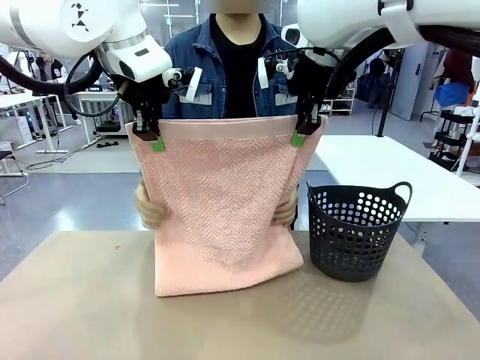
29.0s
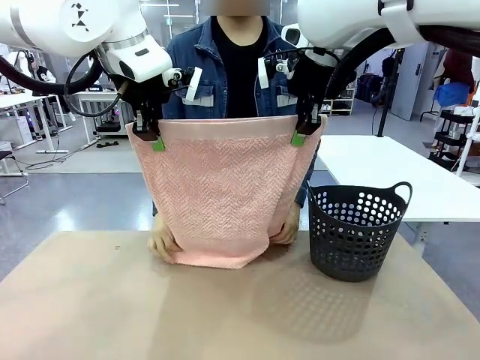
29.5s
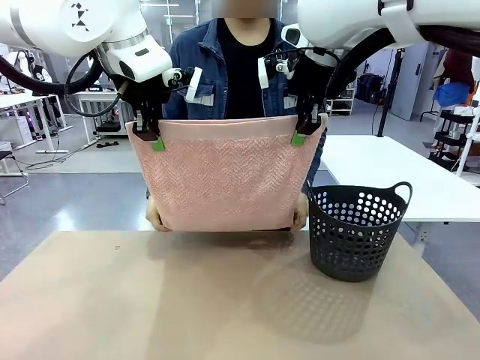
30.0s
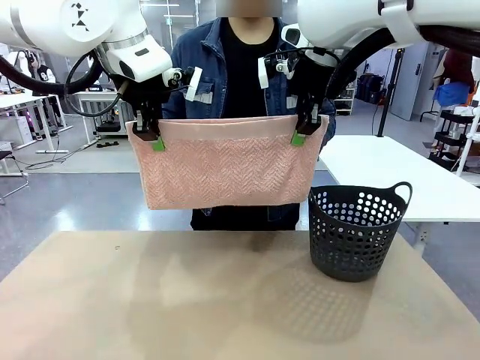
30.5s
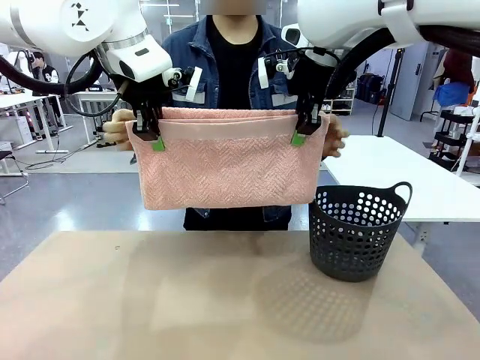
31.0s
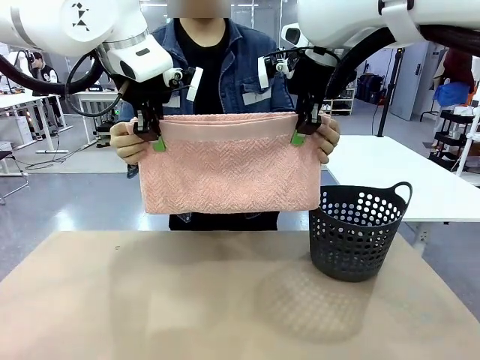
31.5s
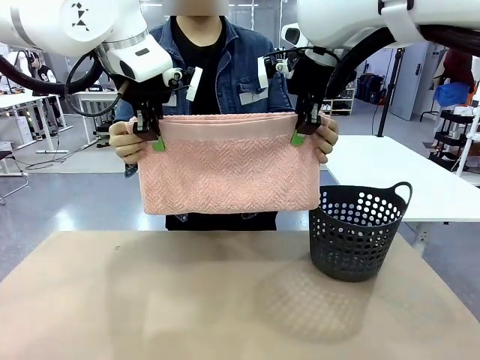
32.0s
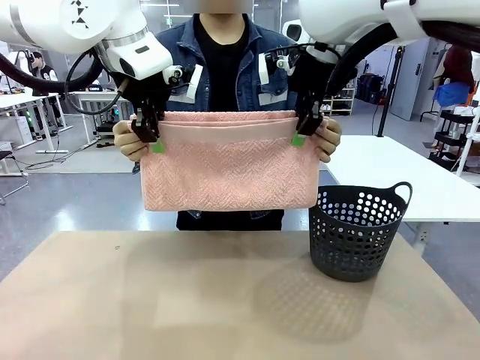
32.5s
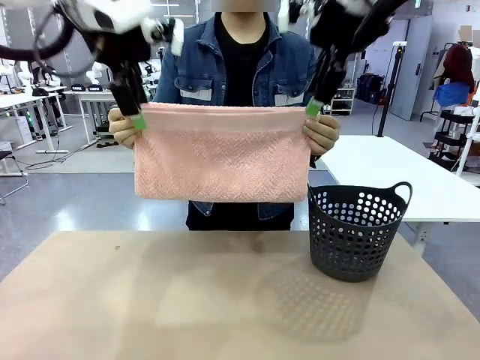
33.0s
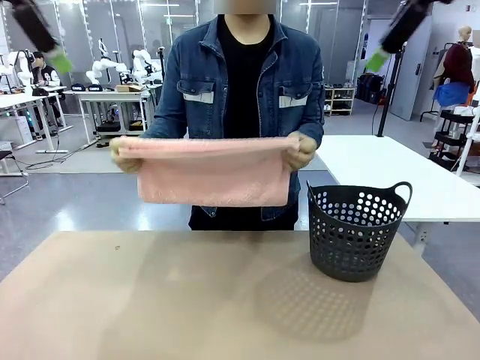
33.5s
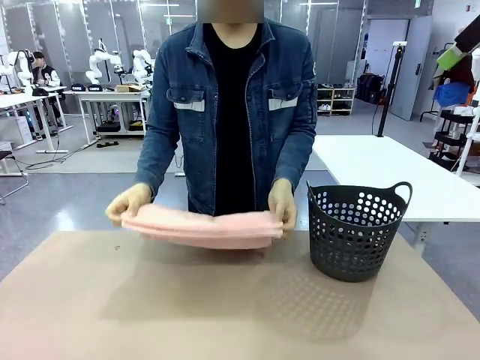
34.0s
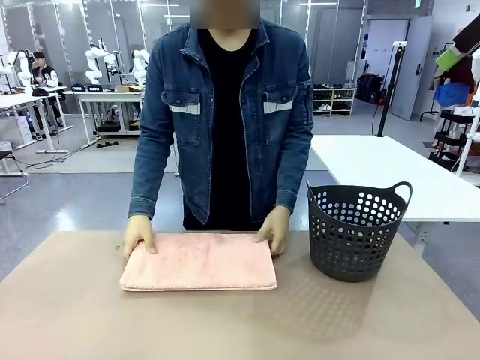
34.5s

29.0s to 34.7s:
Task: Fold the towel.
Robot: Release the end of the 100 cm Hotel Towel you were holding.
Person: Place the towel at the center of the robot table and fold it in half.

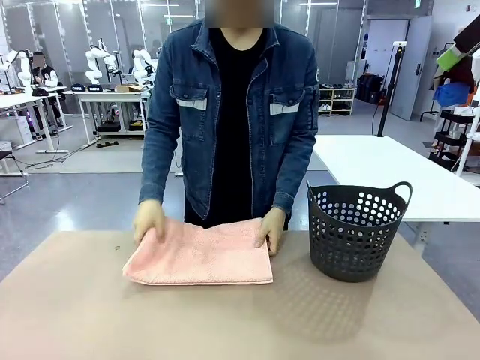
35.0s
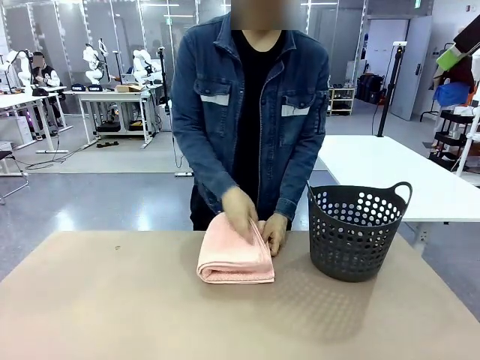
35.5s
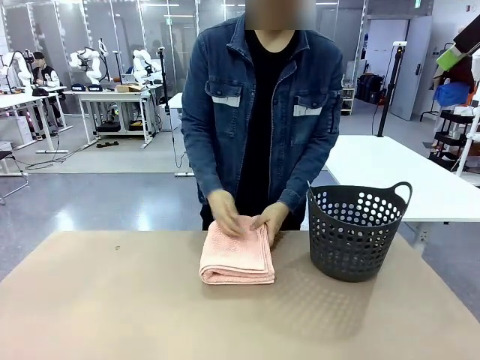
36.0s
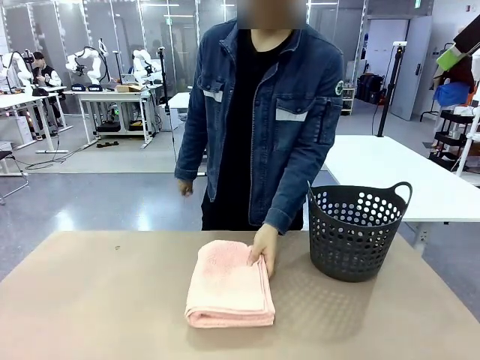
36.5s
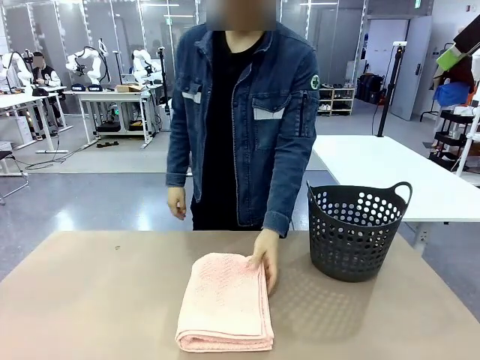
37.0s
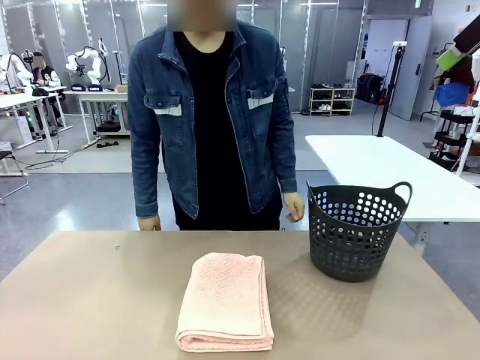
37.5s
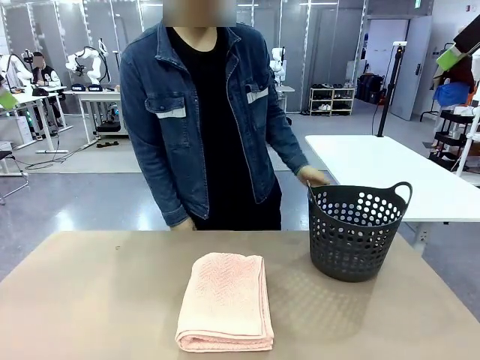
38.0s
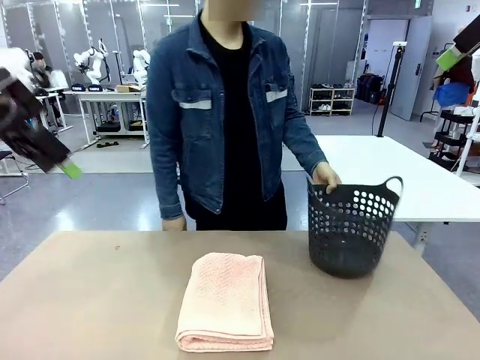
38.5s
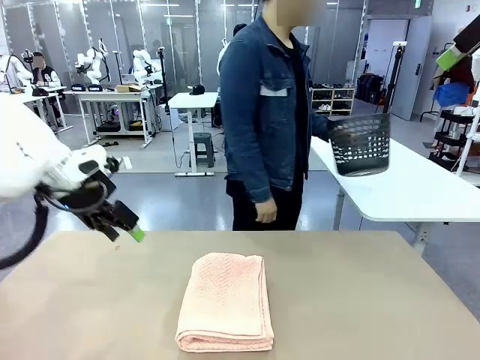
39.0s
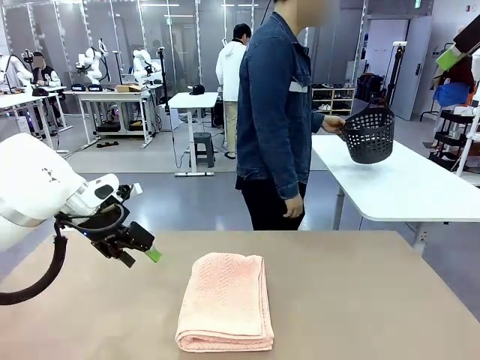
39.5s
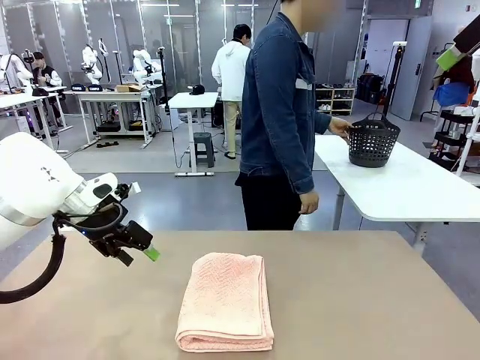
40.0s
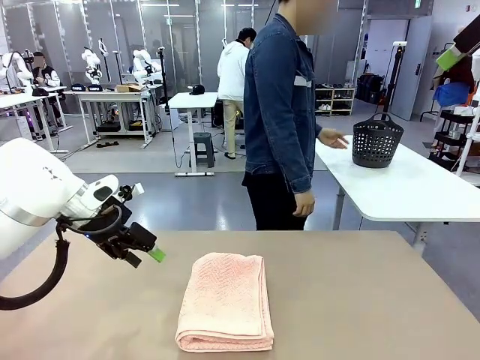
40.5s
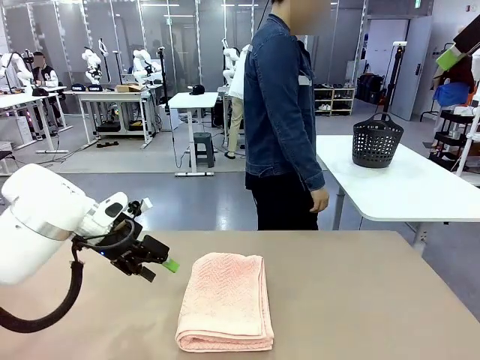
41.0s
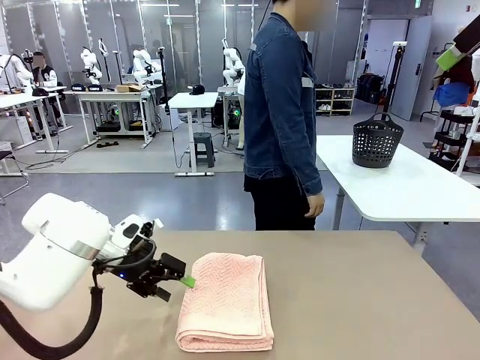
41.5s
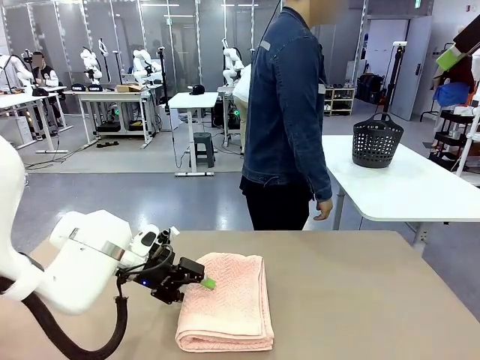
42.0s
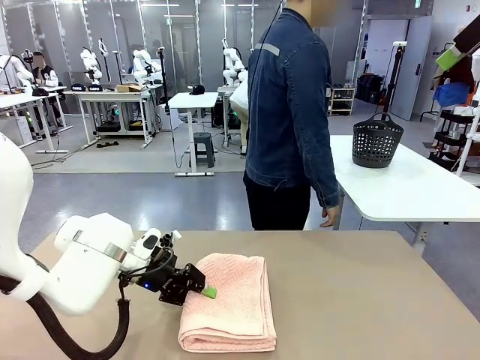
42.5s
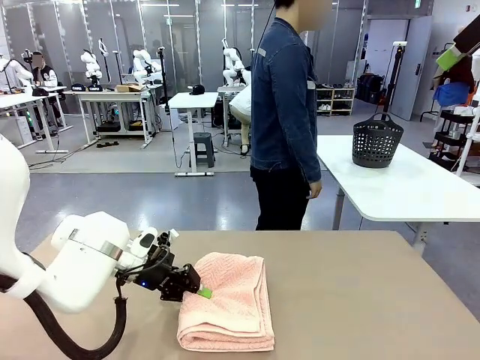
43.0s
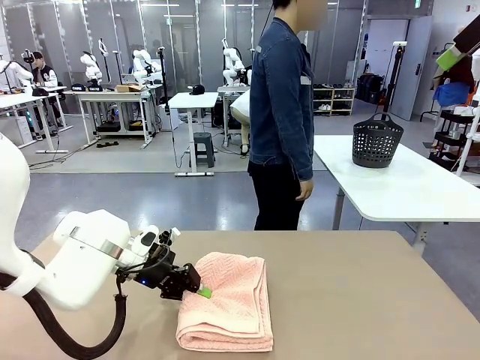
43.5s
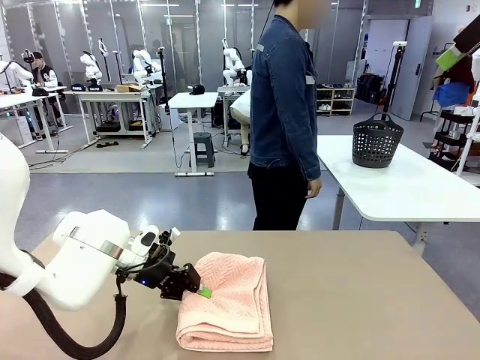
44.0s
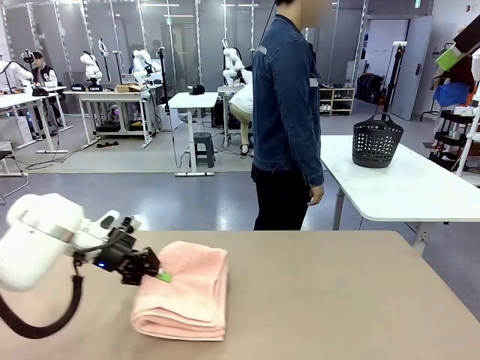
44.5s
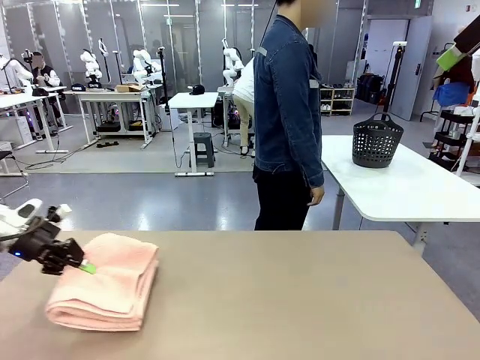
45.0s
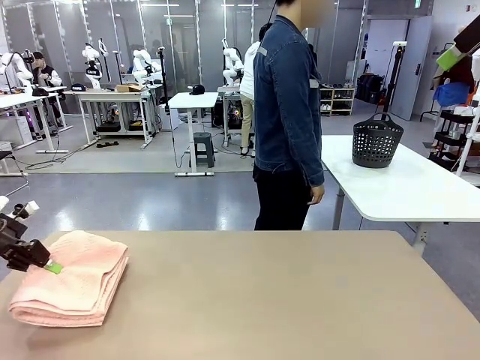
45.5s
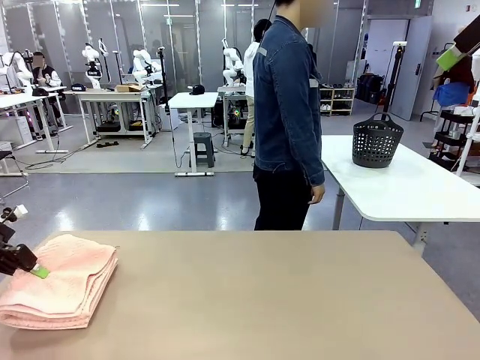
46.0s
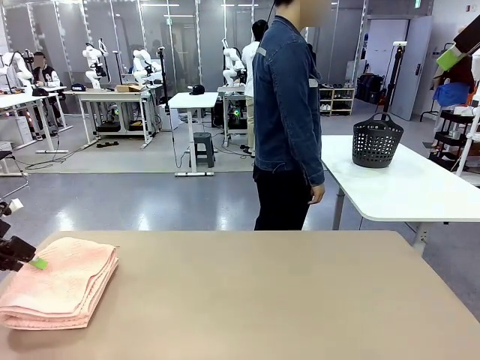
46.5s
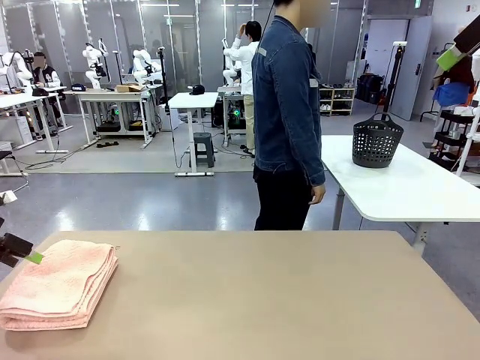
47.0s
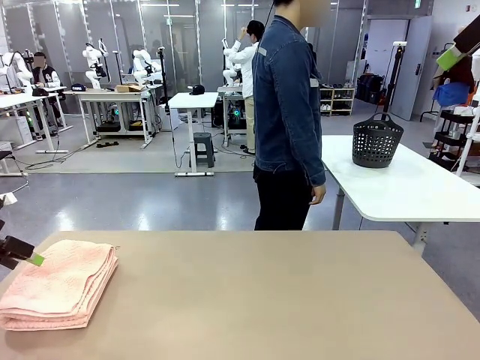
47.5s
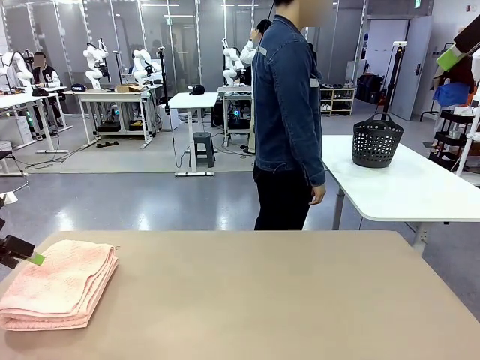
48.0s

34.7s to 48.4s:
Robot: Pick up the 100 cm Hotel Towel and place it on the left side of the table.
Person: Pick up the laundry basket and place it at the center of the human table.

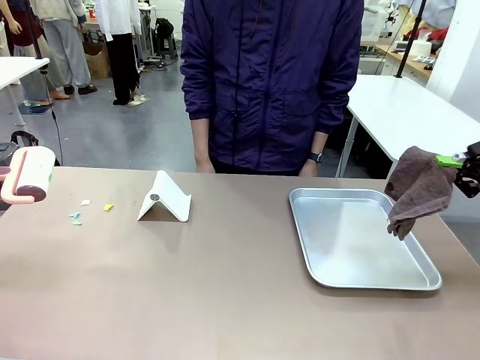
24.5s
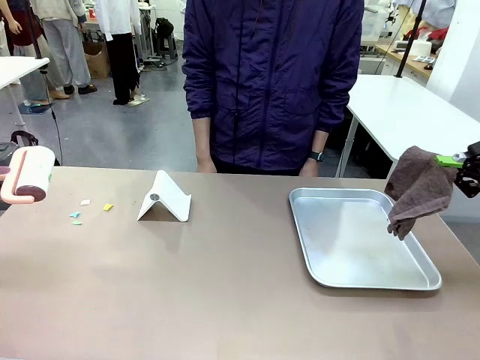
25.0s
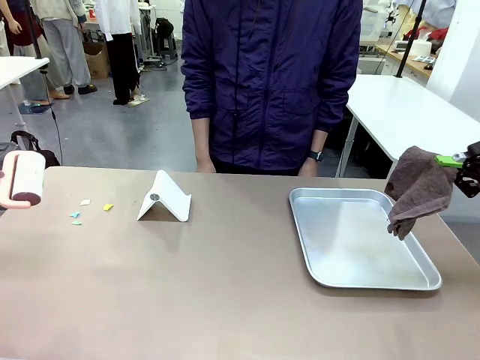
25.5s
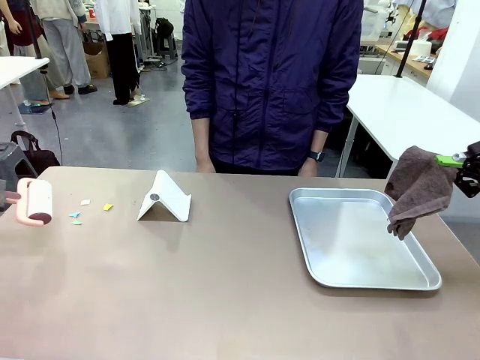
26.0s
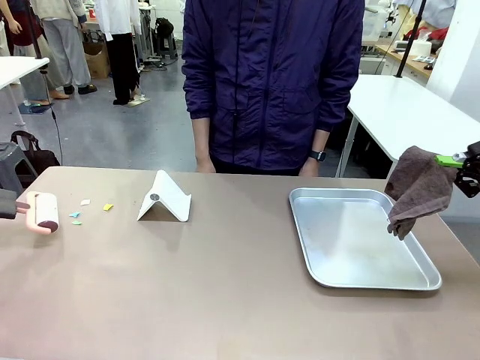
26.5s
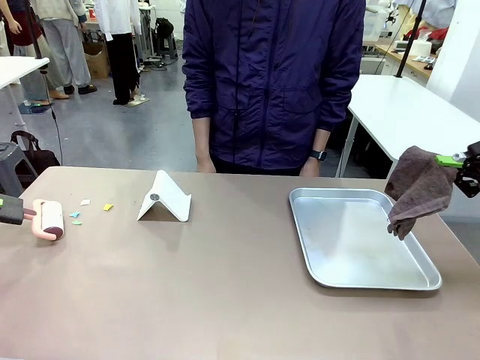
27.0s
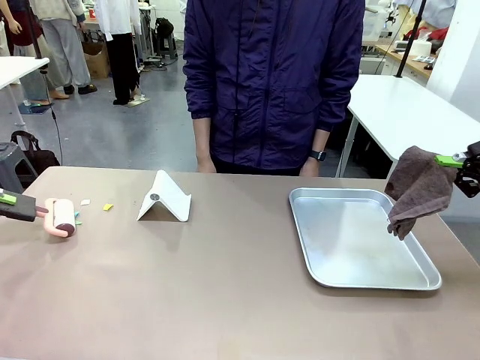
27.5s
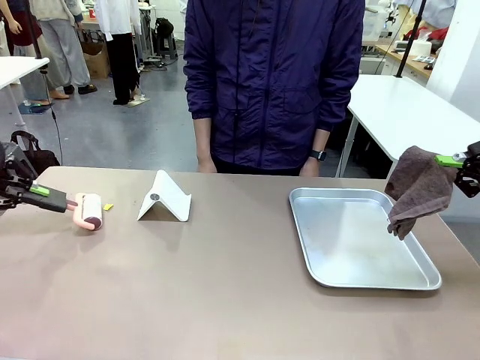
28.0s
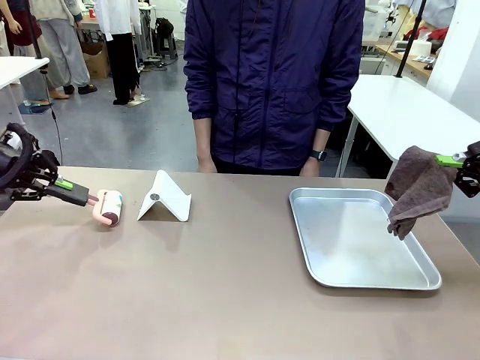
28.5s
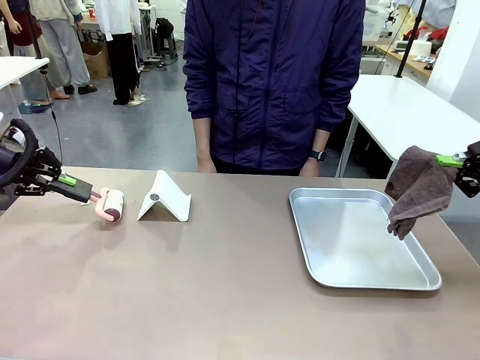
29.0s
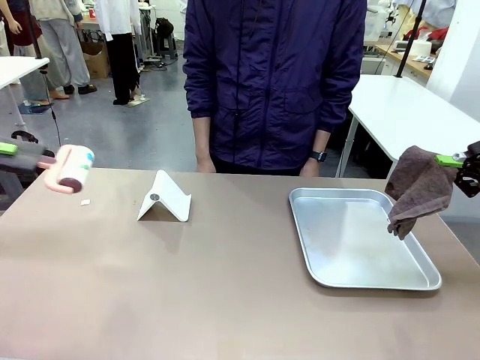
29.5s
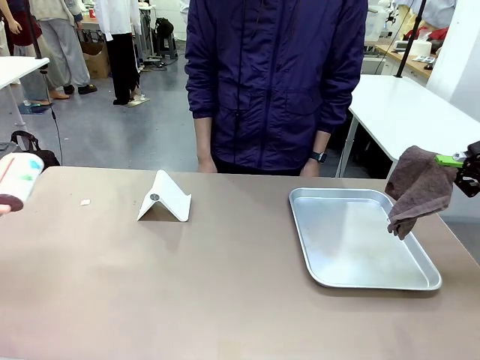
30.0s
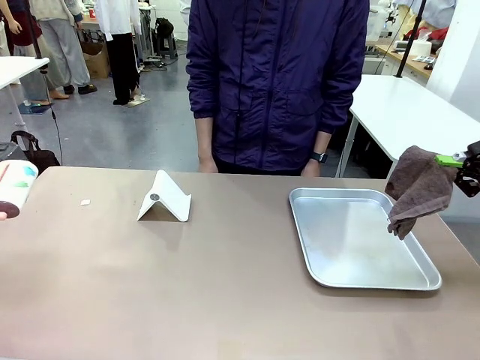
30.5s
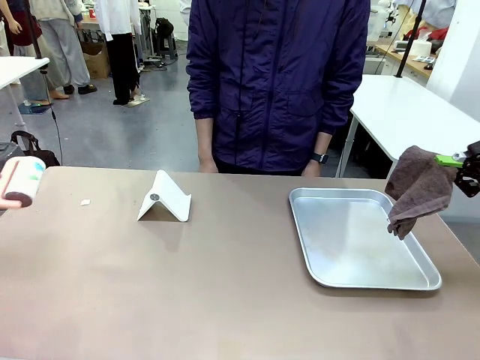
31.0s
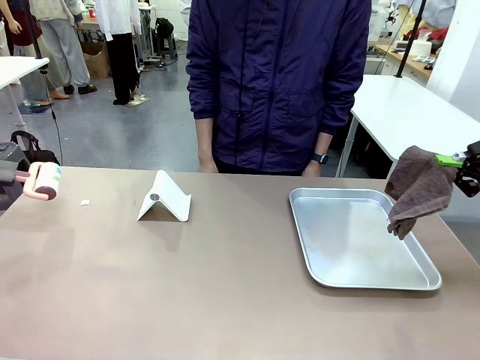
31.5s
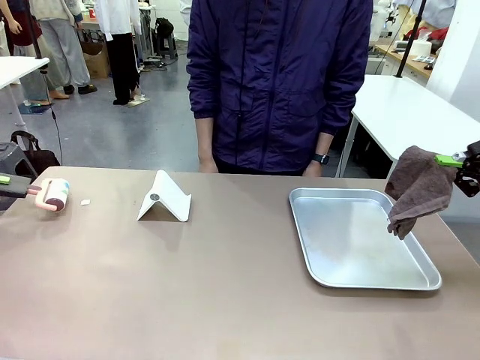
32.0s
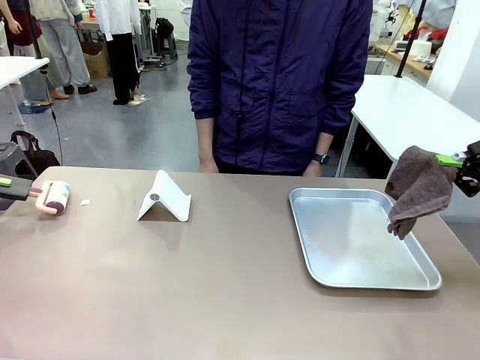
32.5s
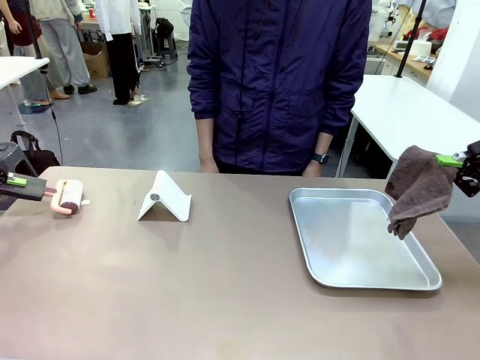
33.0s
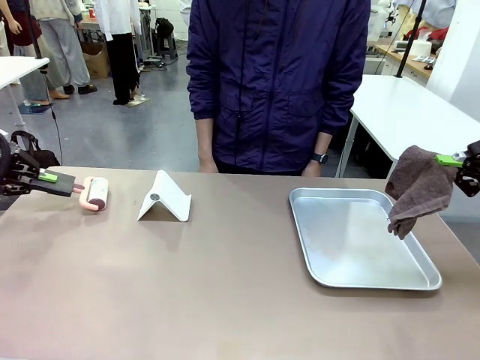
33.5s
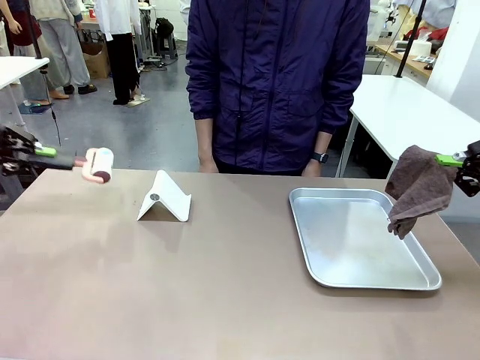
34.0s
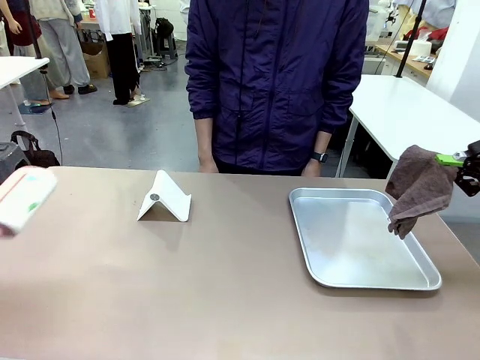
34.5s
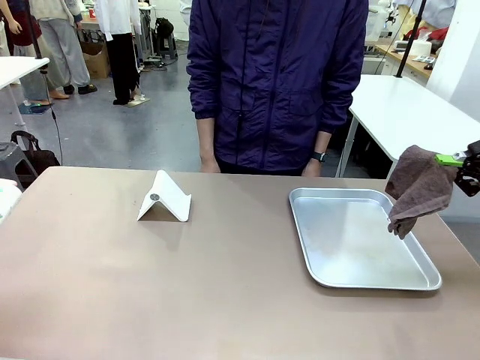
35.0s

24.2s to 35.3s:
Task: Clean the surface of the table.
Robot: Clean the area not pointed to by the person.
